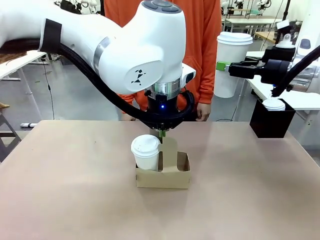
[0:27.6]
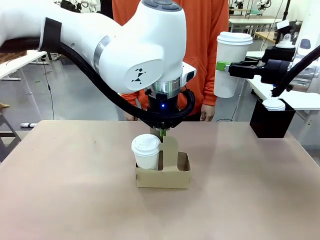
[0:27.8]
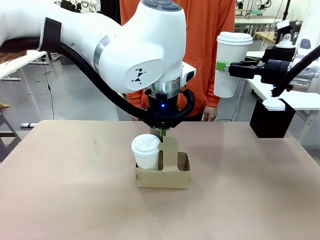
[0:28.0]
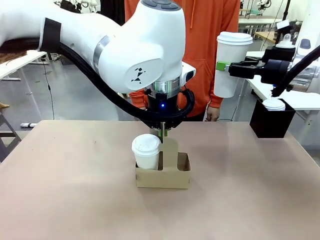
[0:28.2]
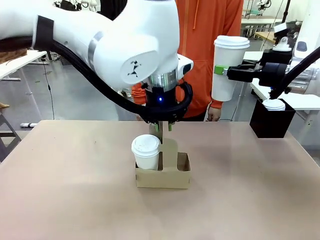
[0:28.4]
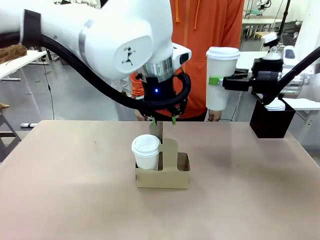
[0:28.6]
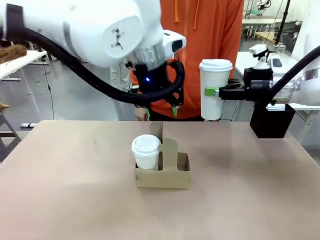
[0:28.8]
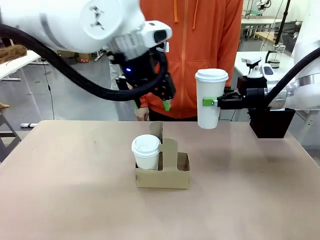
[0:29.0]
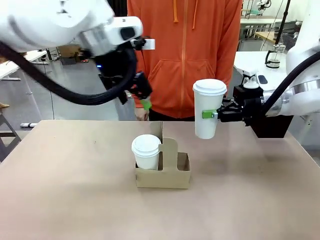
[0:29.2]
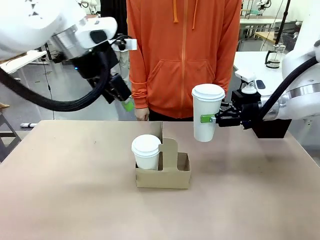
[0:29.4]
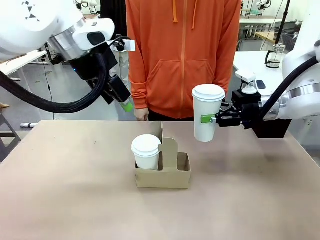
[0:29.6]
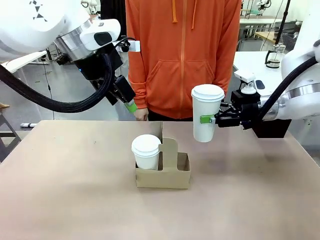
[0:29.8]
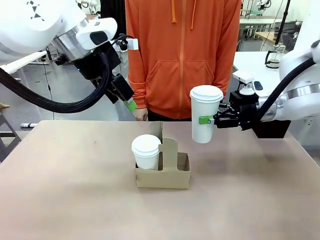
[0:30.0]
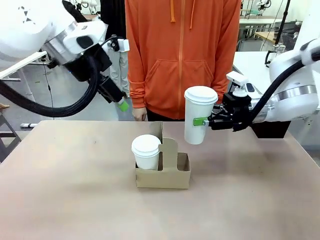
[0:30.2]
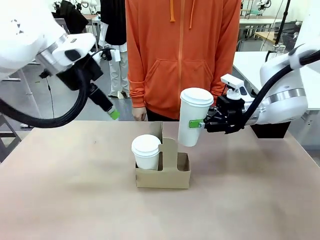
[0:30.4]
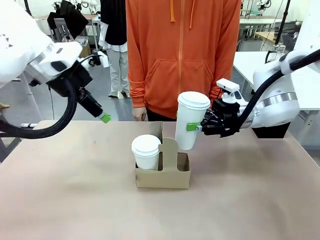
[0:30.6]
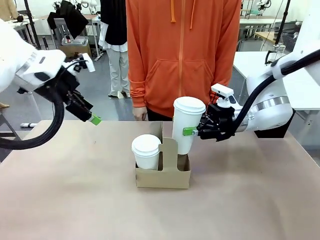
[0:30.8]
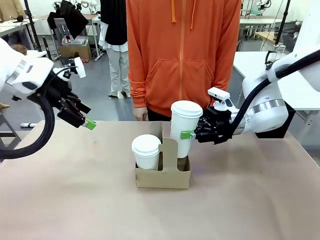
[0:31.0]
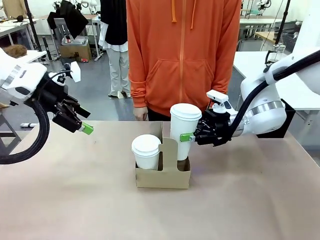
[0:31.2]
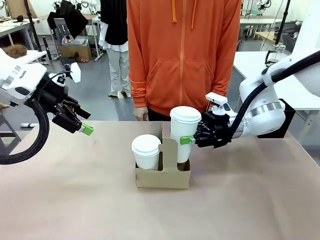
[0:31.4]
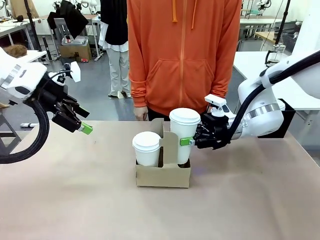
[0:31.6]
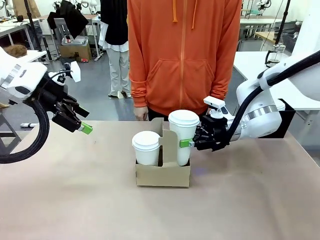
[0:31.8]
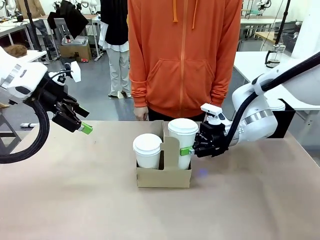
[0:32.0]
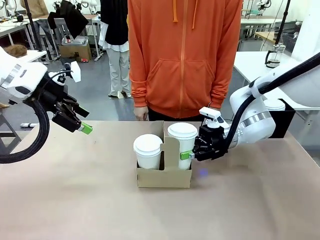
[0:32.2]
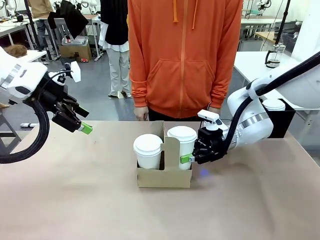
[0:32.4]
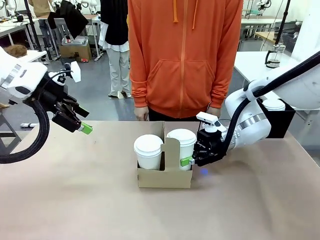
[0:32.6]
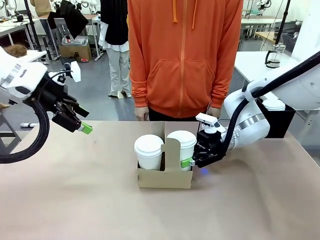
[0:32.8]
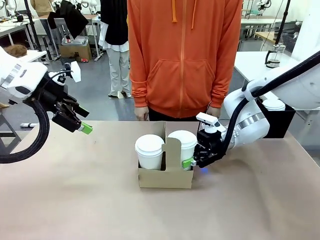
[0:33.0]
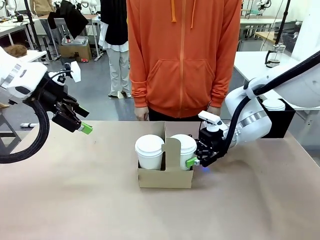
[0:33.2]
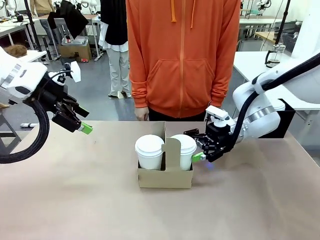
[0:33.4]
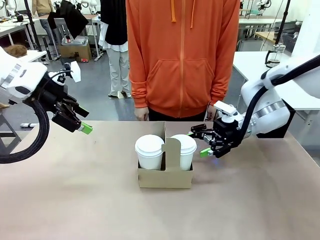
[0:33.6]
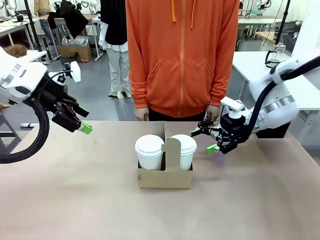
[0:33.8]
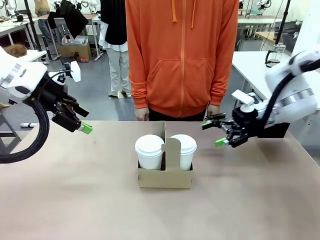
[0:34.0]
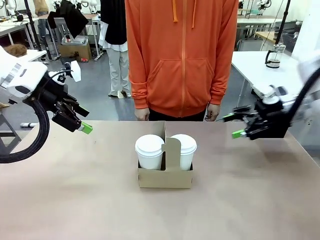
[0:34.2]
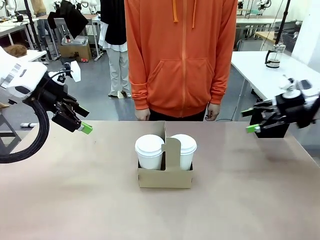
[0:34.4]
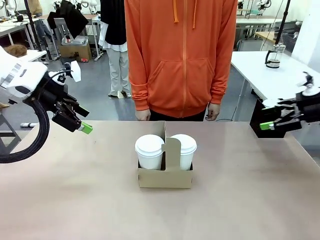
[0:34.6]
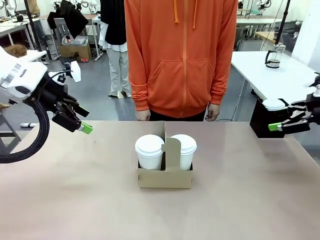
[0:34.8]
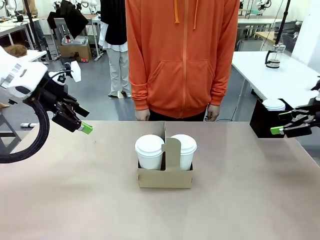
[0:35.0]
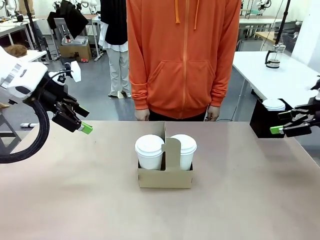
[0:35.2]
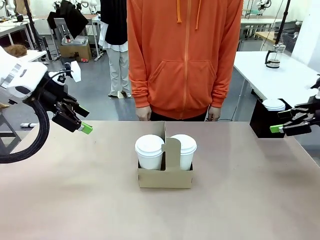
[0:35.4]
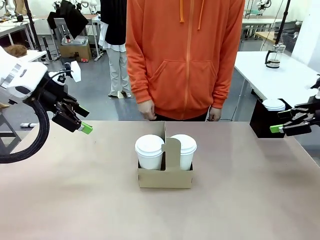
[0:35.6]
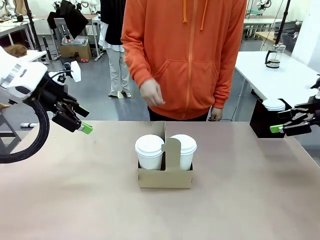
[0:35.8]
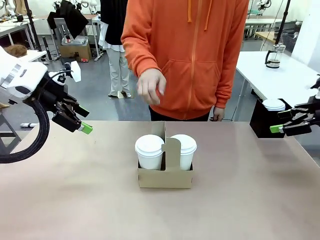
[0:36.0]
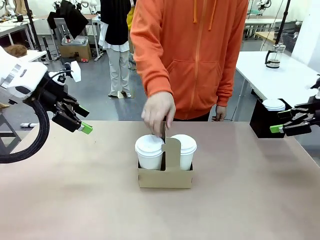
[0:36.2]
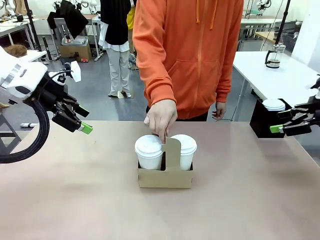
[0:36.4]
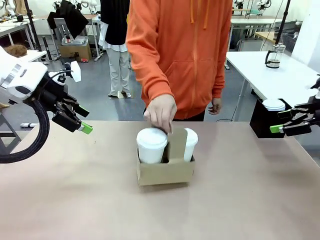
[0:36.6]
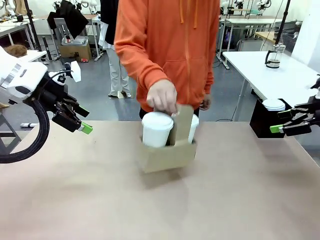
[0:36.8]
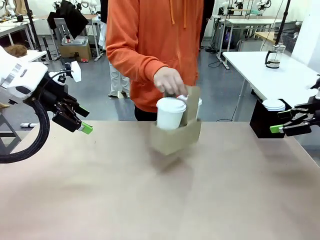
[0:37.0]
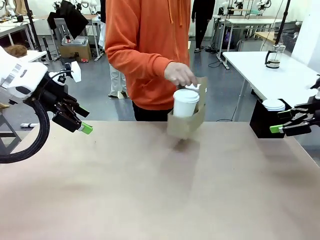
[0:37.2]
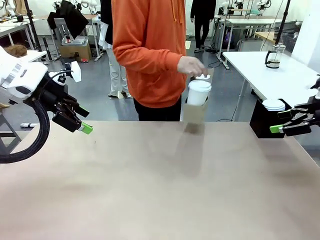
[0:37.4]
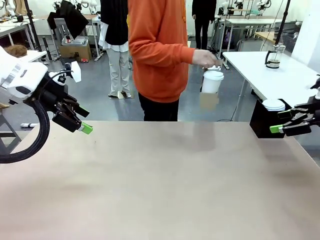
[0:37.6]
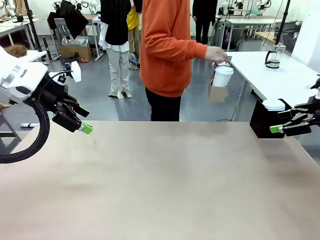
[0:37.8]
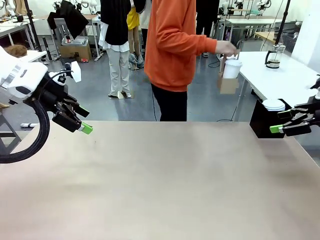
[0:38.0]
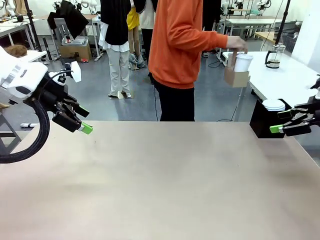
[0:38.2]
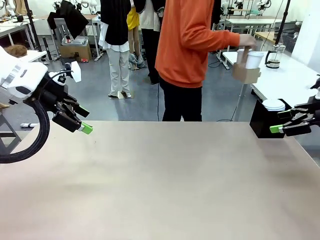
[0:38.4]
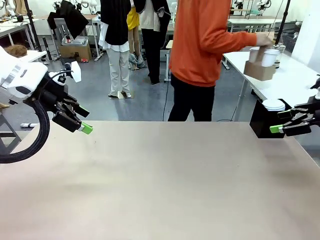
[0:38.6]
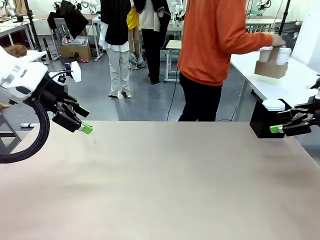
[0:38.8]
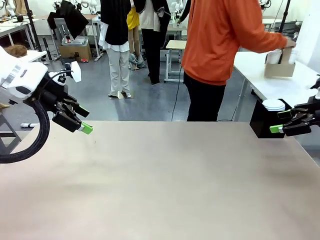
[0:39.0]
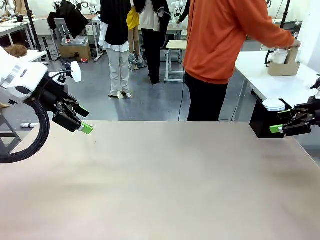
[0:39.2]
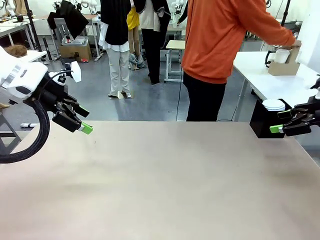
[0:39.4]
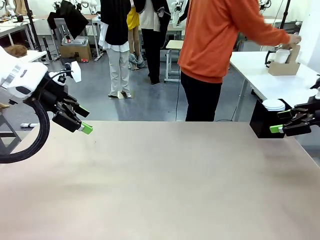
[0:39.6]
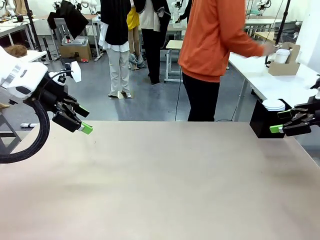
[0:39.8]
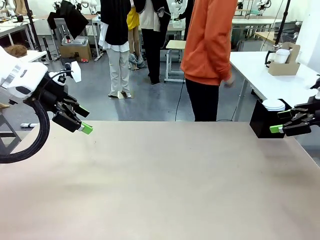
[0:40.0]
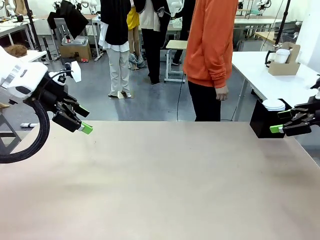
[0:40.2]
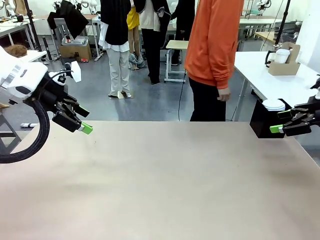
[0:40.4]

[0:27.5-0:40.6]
Task: Pour a drink into a cup and package it in a carrier.
Robot: Insert the held 600 ml Paper Cup into the Cup Carrier.
Person: Place the Cup Carrier to the middle of Human table.
